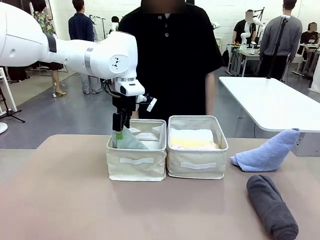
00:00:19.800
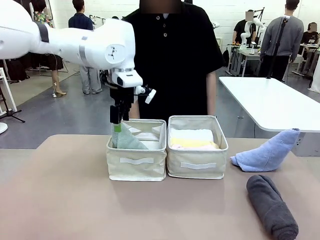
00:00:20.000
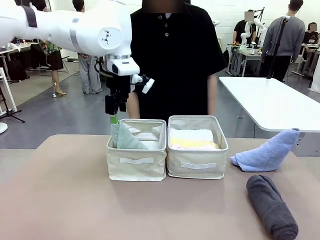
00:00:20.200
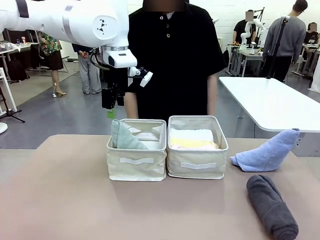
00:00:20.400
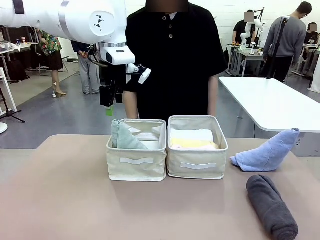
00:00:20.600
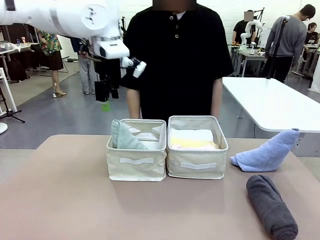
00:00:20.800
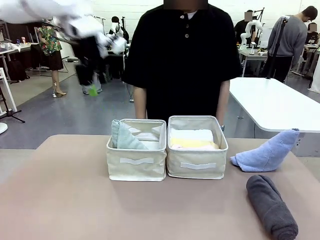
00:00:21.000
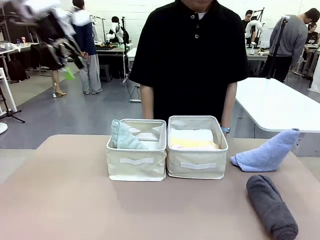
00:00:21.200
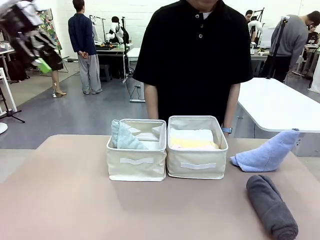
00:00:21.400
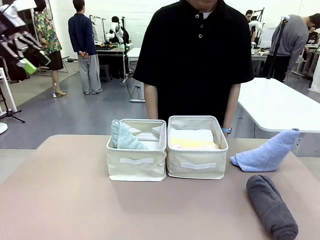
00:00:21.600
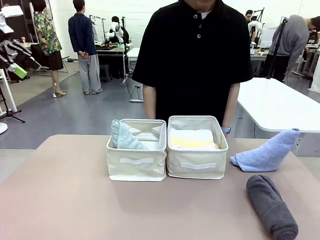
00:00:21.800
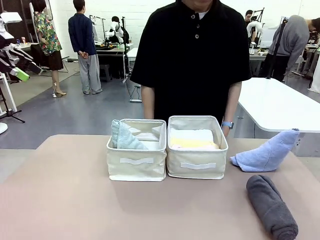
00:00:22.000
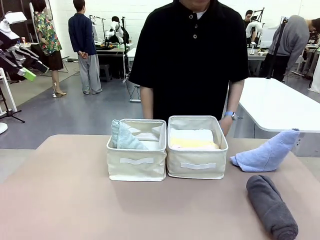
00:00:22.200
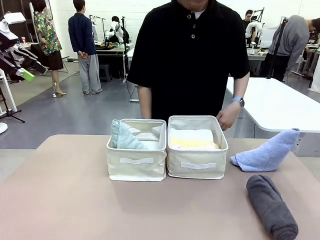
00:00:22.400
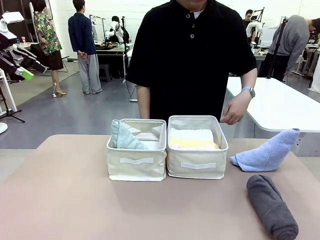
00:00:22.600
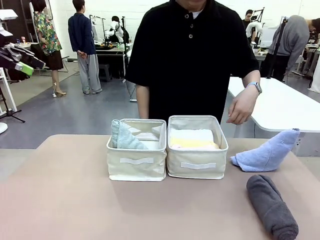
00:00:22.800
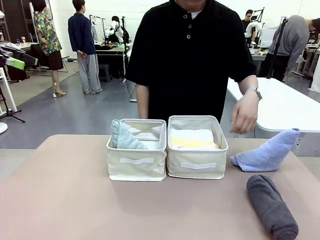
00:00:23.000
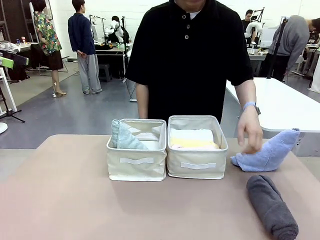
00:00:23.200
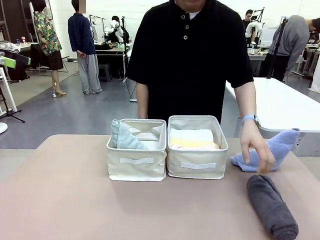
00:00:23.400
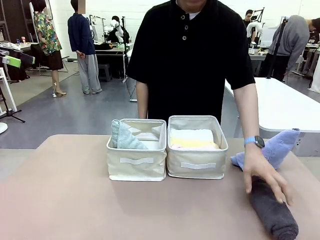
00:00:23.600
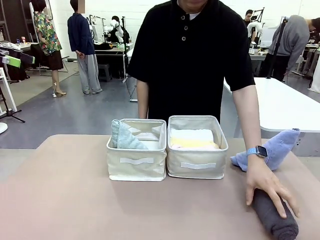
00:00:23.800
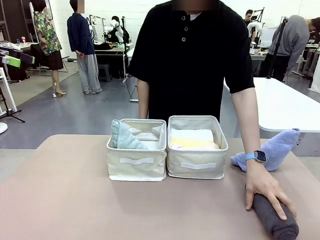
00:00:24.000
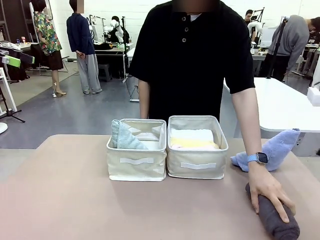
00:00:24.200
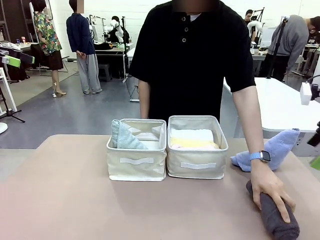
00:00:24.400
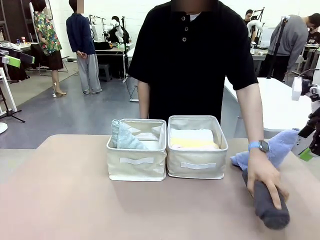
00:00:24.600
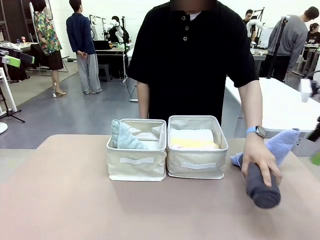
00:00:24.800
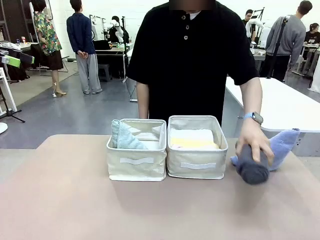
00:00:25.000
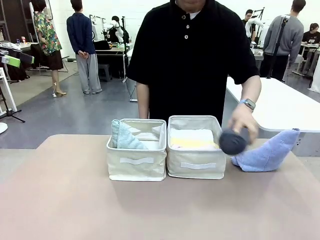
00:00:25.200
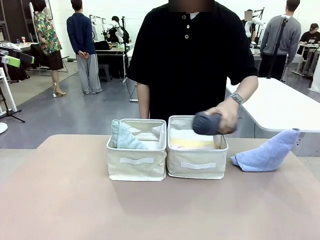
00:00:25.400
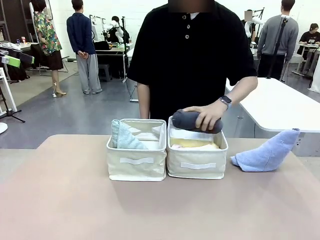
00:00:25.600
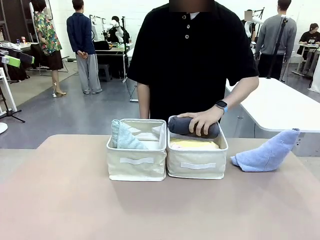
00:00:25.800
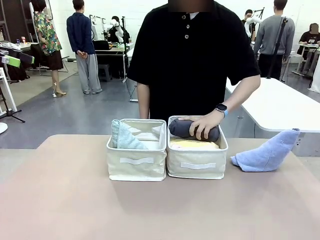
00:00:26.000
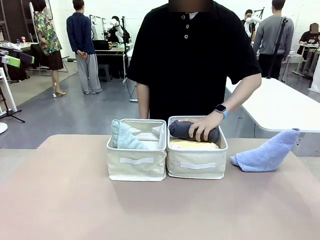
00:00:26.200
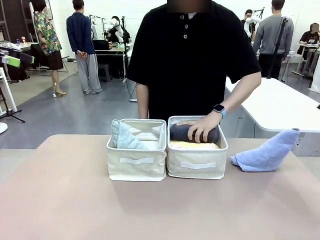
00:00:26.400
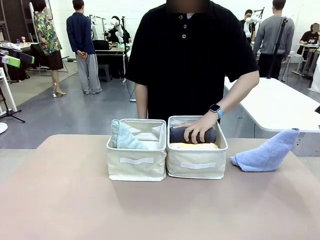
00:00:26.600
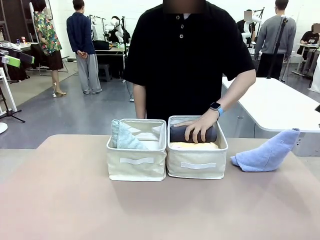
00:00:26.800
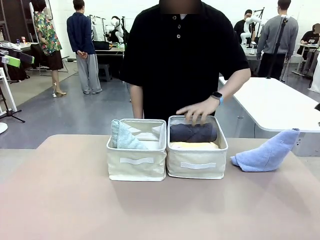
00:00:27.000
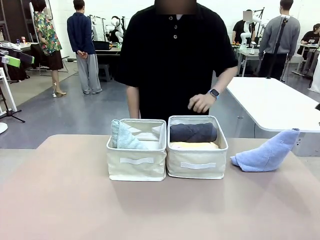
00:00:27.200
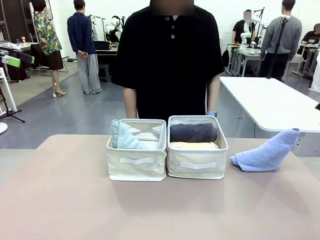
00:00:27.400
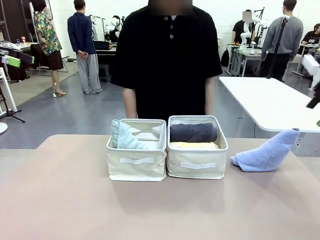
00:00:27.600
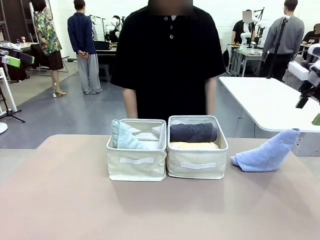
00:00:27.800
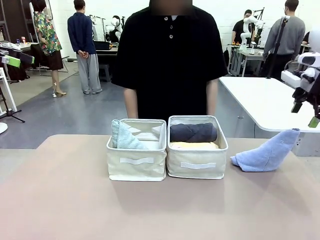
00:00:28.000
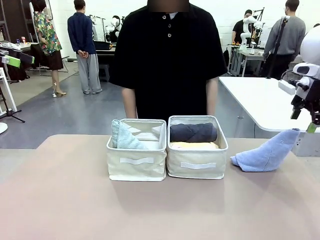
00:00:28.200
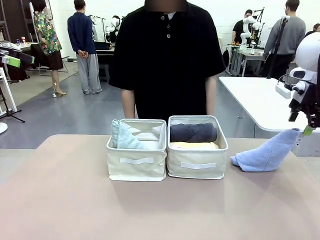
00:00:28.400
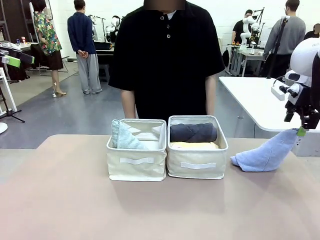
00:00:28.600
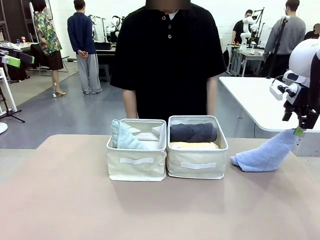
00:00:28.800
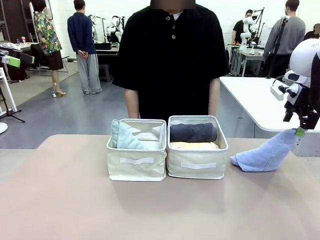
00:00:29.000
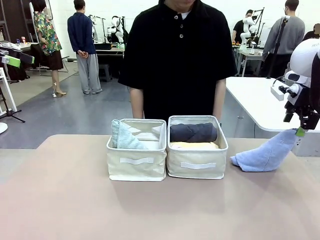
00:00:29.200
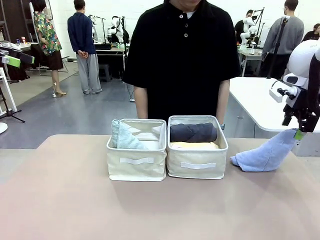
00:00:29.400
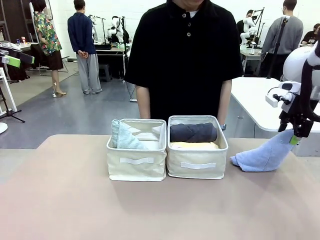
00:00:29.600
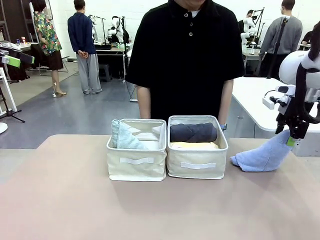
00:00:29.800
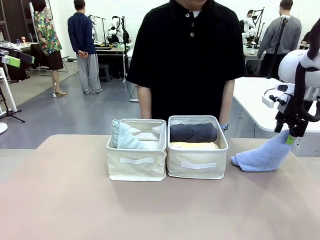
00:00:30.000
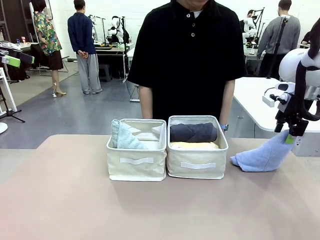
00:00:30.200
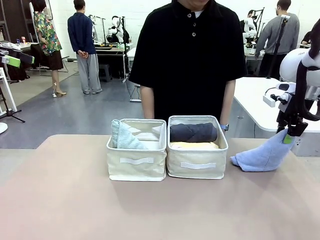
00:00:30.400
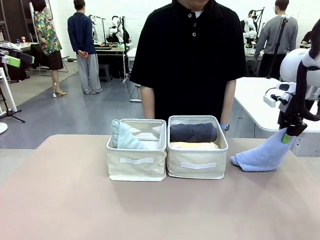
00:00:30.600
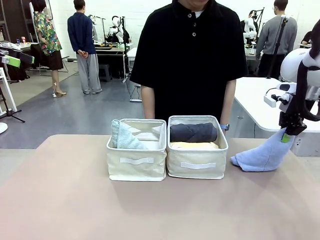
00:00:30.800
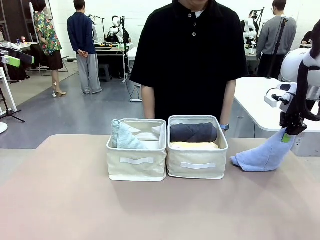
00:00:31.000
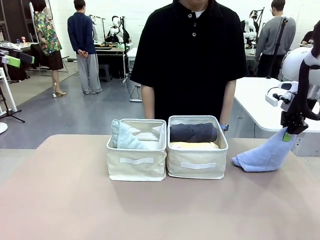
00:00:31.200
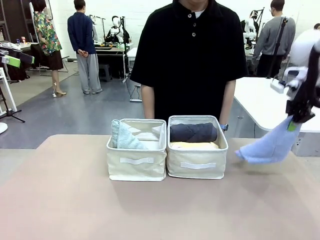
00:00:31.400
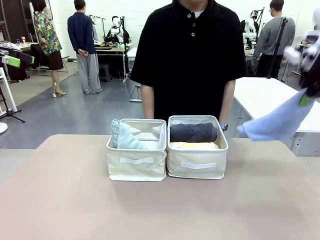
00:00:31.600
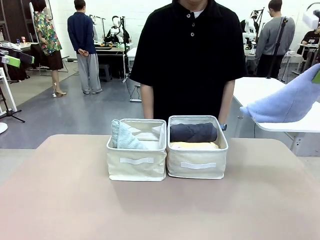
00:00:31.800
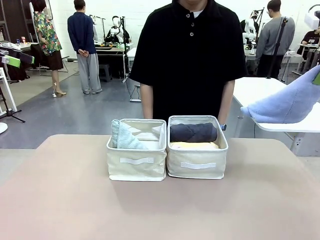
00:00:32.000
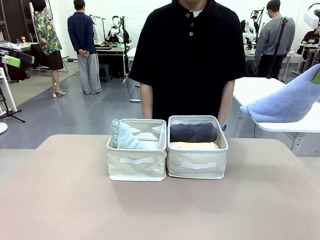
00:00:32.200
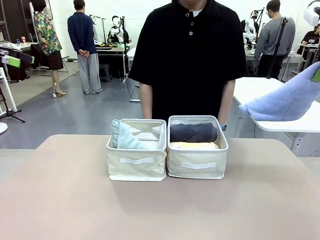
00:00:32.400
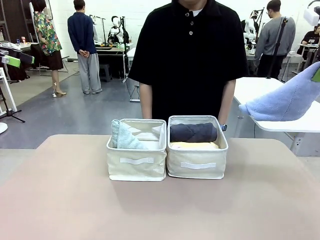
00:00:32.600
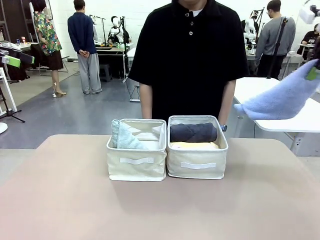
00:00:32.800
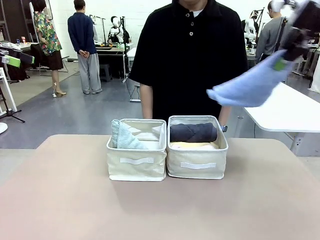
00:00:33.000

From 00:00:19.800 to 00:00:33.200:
Task: Sort the towels based on their folding style.
Robot: Pick up another triangle-folded towel from the table and place it in the left Fabric basket.

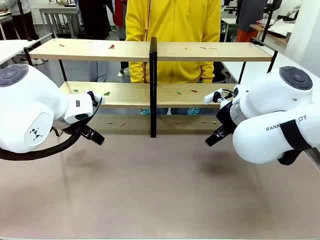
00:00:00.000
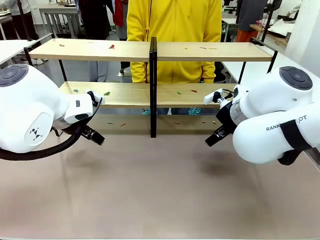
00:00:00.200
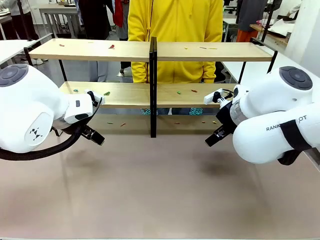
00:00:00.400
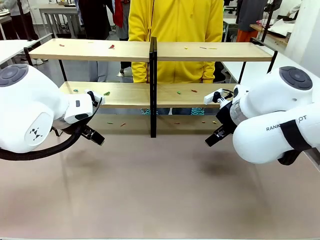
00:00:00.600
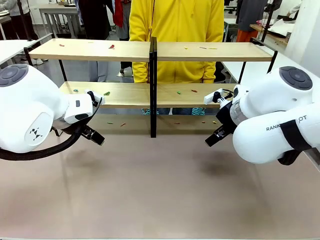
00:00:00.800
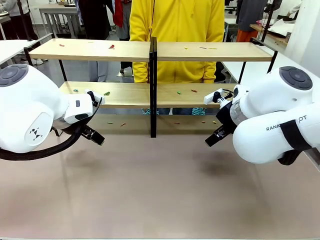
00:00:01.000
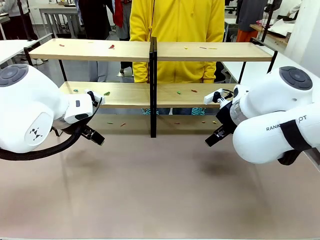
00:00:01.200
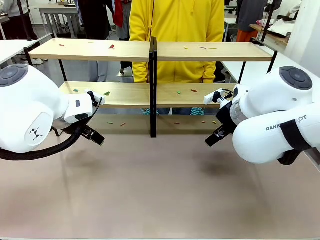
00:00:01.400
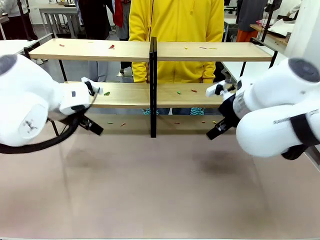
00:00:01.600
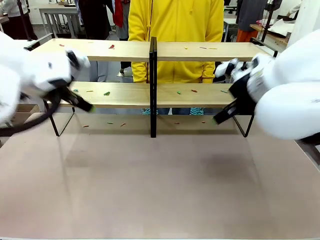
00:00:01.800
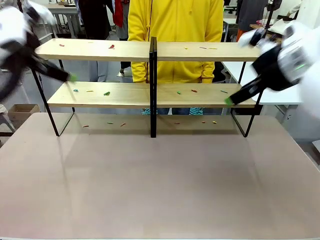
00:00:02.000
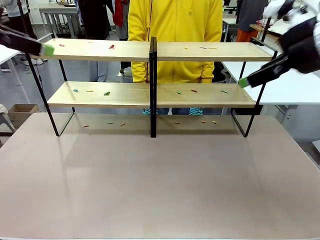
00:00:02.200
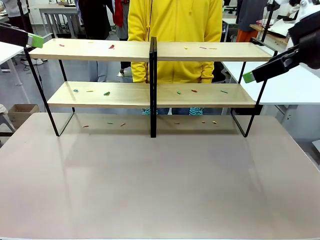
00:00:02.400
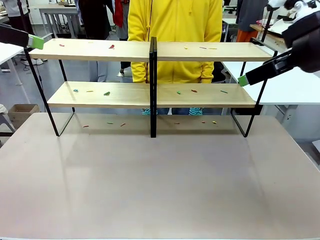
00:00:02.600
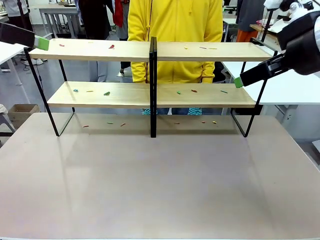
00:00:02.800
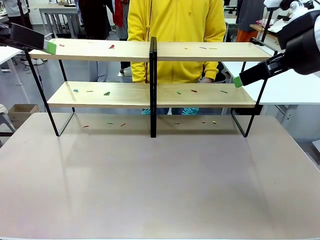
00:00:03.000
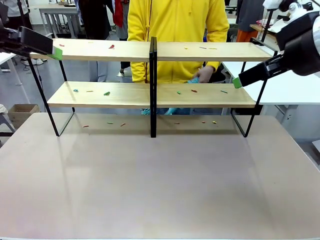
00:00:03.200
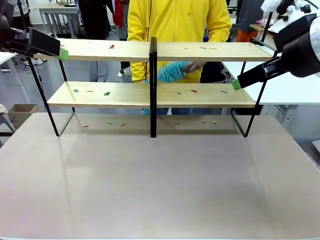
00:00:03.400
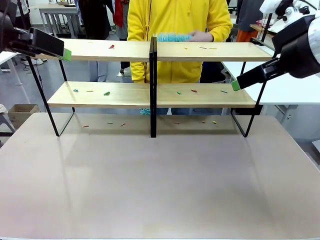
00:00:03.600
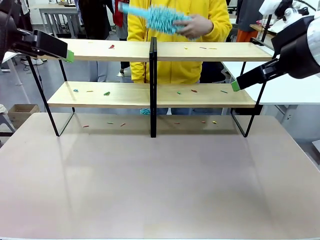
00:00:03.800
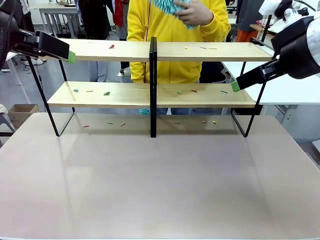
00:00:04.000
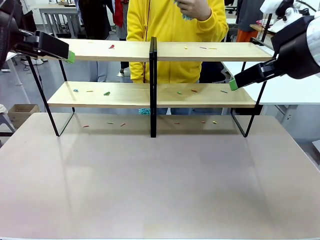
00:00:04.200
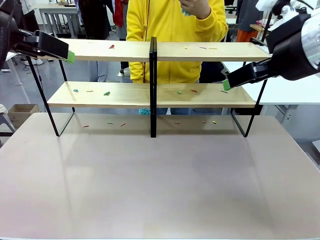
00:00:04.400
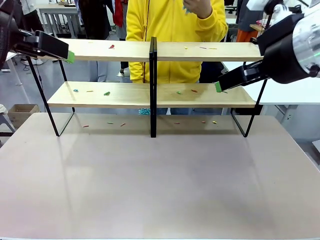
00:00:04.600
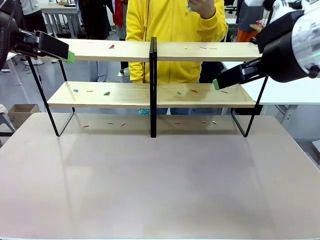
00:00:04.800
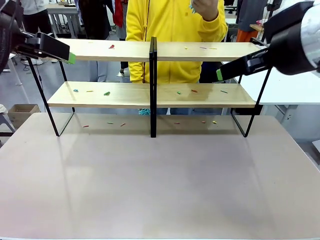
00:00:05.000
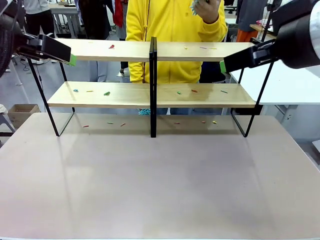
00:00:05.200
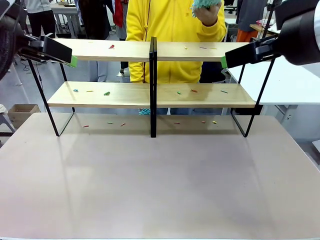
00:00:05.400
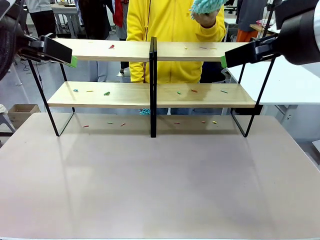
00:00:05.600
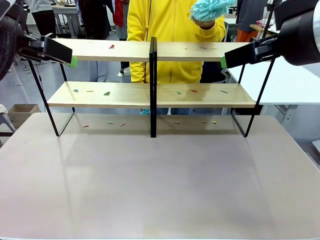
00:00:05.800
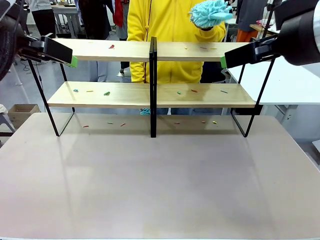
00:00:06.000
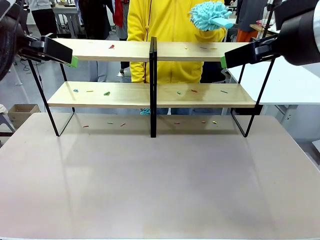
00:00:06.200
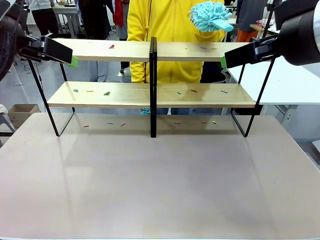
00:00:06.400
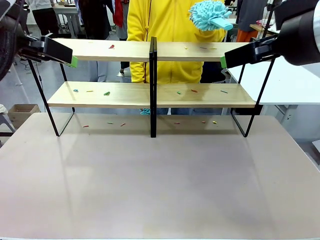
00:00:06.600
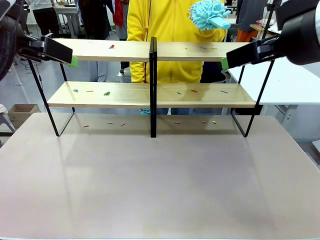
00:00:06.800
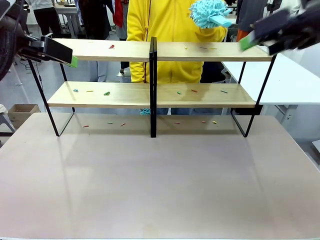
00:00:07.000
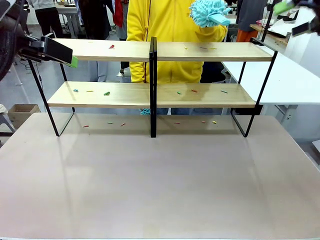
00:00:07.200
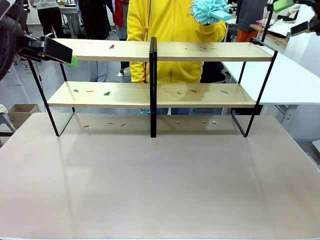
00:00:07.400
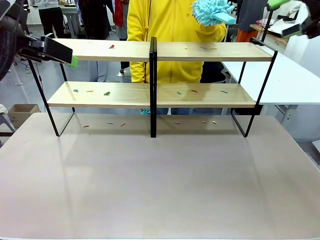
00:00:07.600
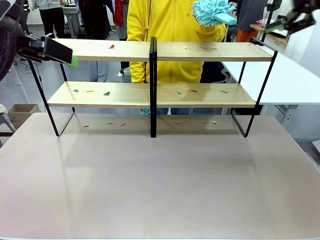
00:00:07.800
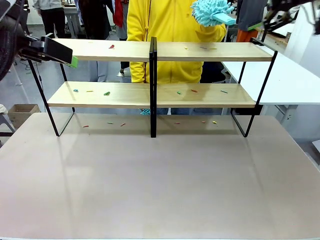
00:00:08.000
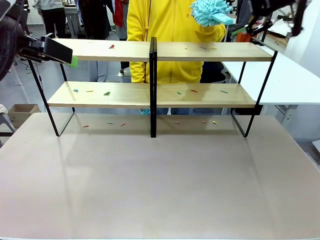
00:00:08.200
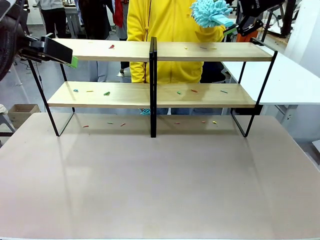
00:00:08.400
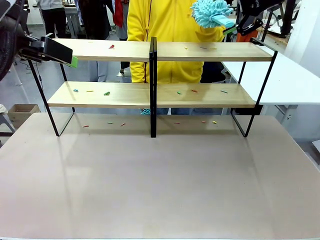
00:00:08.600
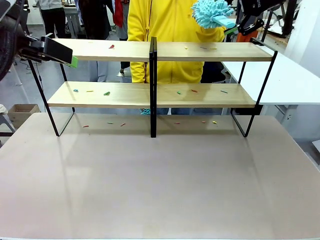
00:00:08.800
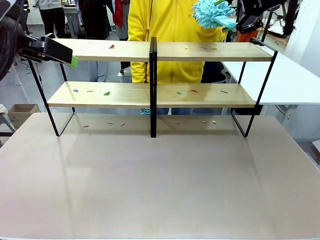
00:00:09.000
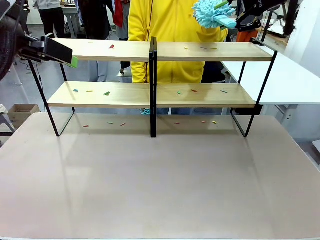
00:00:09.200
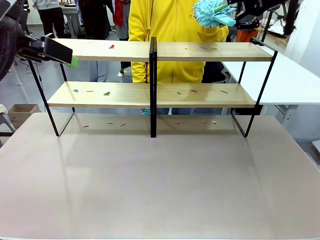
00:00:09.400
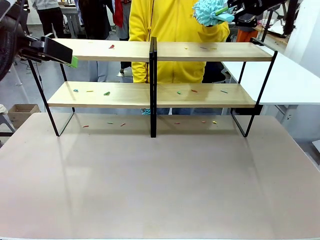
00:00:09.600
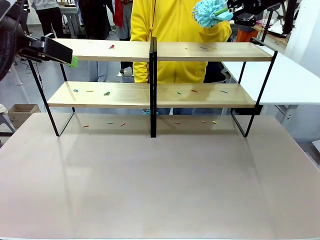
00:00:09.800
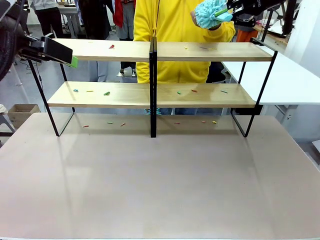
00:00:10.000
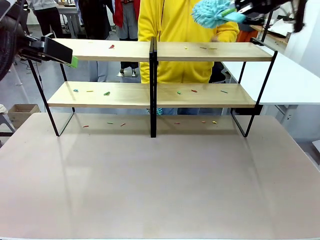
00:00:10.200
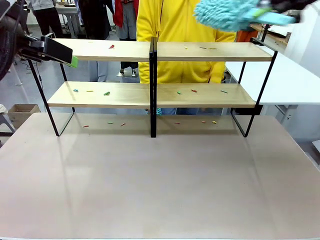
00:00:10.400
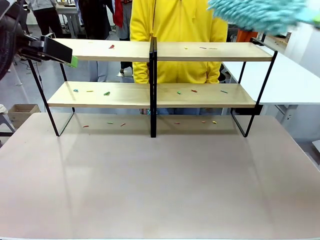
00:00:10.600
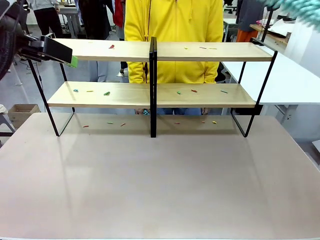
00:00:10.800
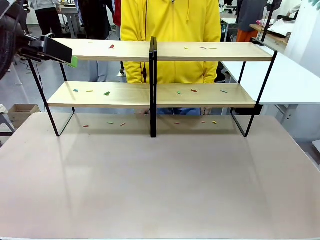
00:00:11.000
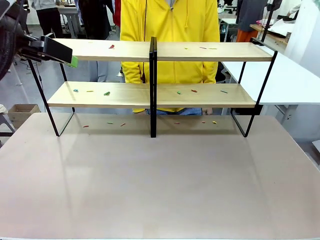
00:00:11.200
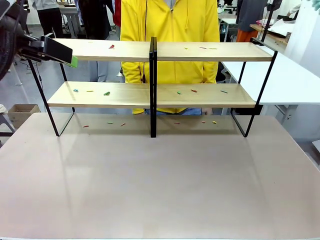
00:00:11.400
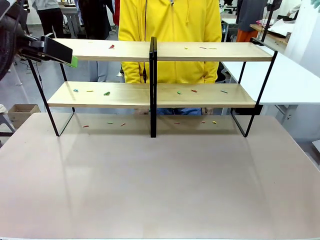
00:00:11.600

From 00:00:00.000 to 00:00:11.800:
Task: Clean the shelves.
Robot: Pick up the Duster when the human hands it over.
Person: Hand the Duster to the robot with your right (or left) hand.
